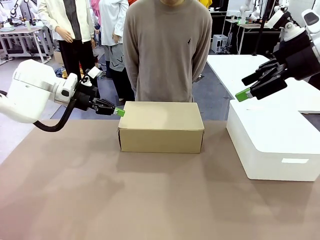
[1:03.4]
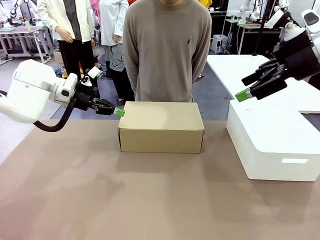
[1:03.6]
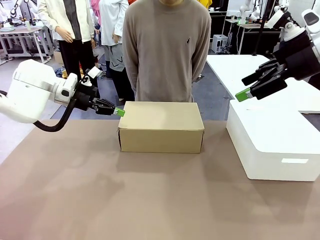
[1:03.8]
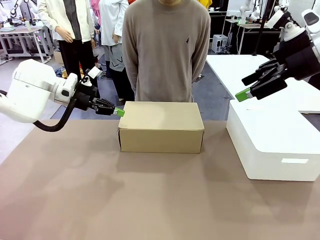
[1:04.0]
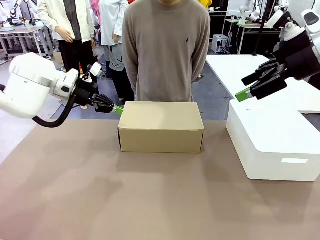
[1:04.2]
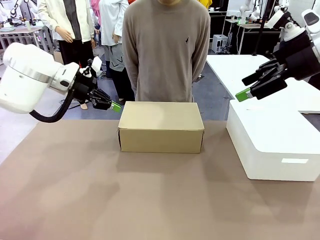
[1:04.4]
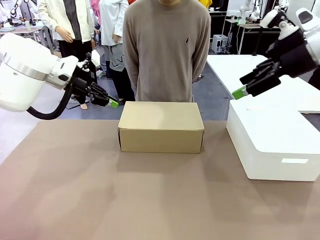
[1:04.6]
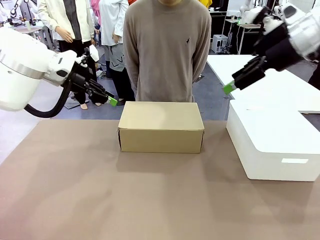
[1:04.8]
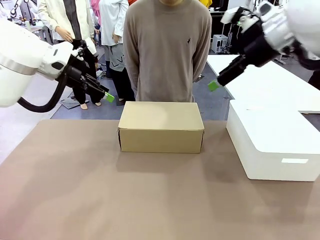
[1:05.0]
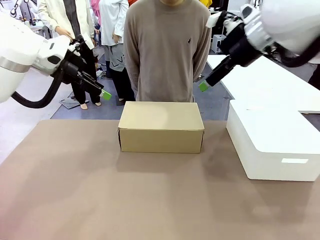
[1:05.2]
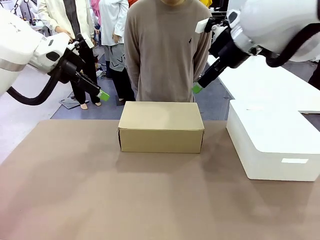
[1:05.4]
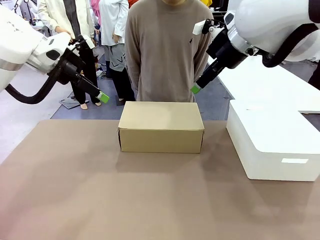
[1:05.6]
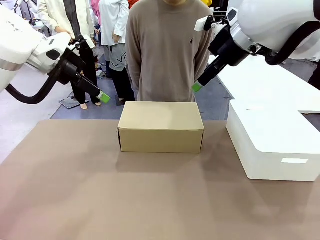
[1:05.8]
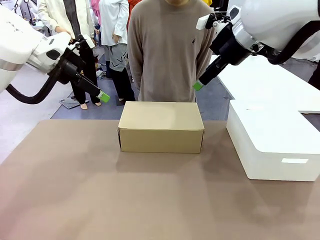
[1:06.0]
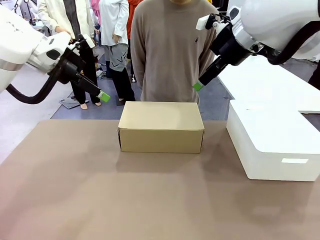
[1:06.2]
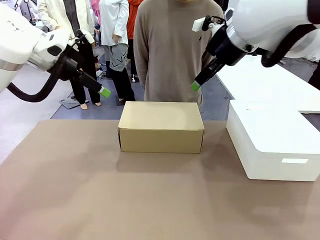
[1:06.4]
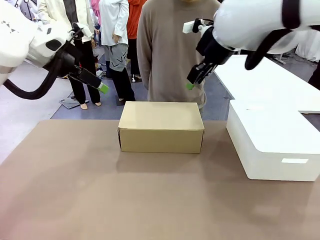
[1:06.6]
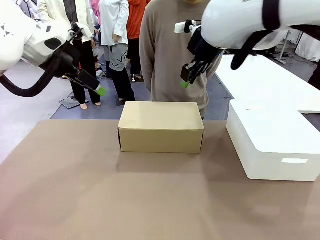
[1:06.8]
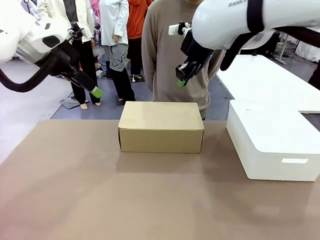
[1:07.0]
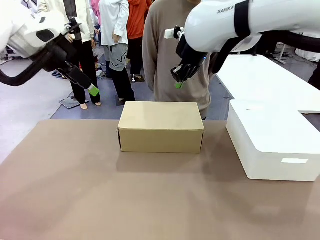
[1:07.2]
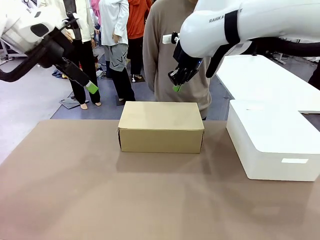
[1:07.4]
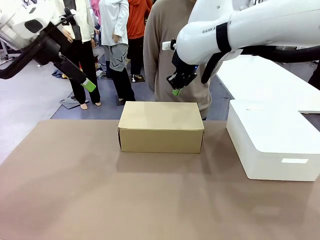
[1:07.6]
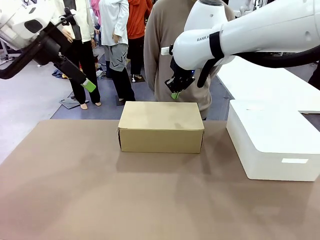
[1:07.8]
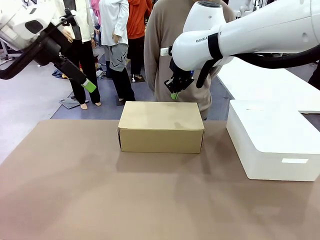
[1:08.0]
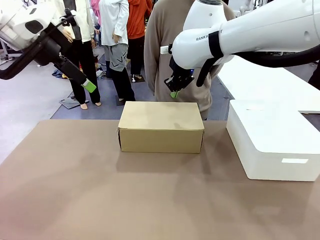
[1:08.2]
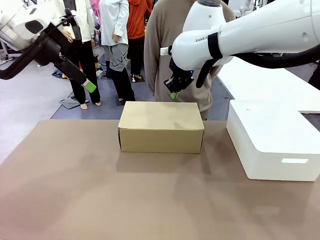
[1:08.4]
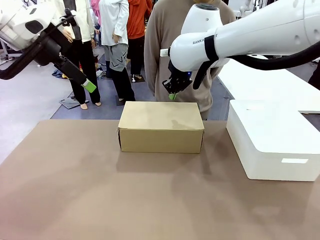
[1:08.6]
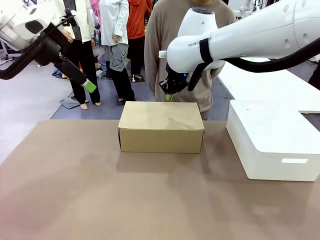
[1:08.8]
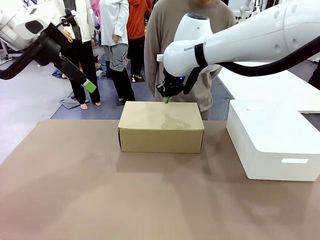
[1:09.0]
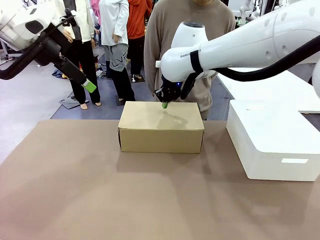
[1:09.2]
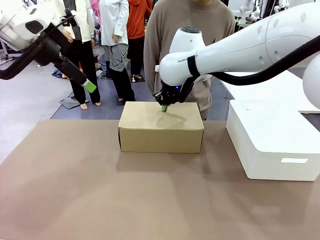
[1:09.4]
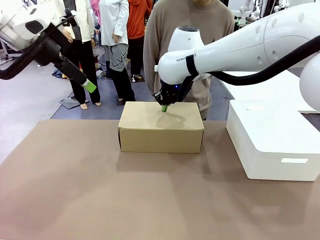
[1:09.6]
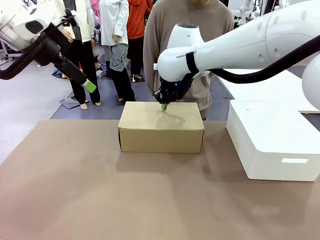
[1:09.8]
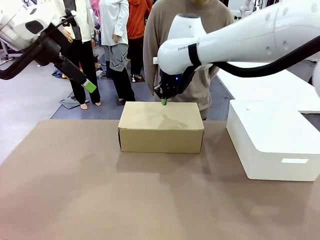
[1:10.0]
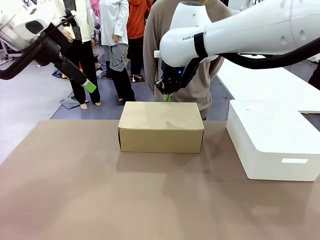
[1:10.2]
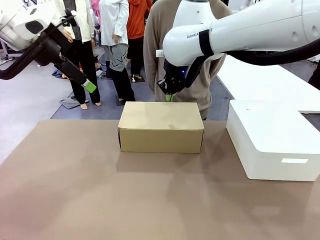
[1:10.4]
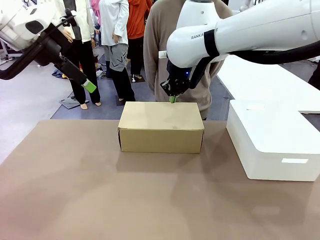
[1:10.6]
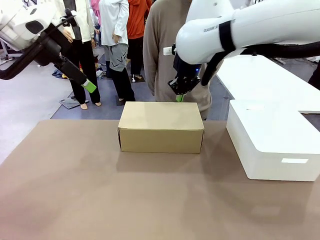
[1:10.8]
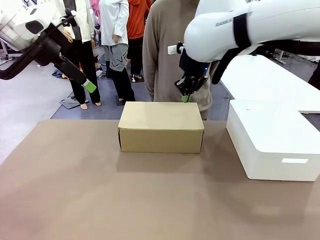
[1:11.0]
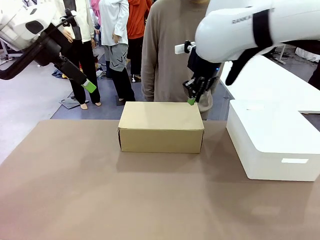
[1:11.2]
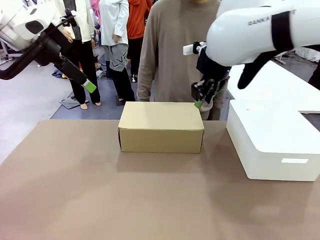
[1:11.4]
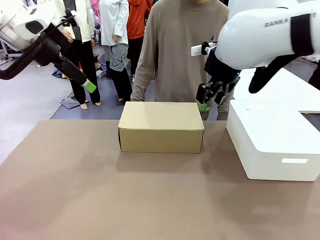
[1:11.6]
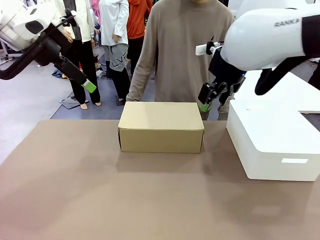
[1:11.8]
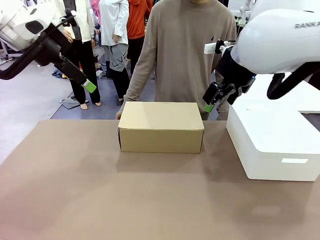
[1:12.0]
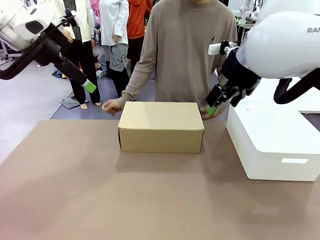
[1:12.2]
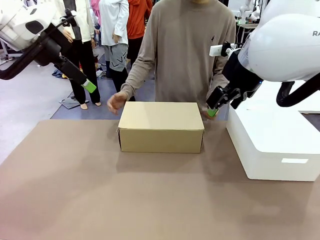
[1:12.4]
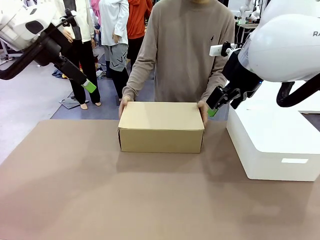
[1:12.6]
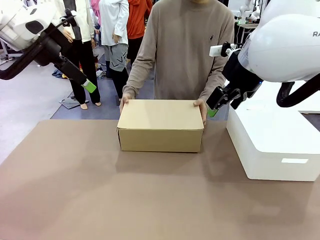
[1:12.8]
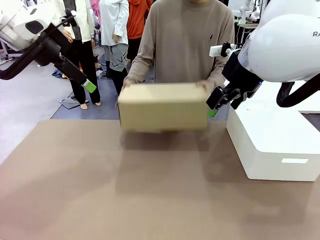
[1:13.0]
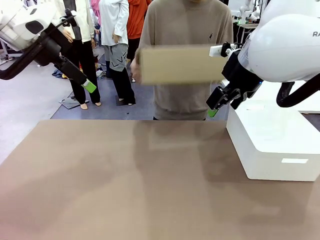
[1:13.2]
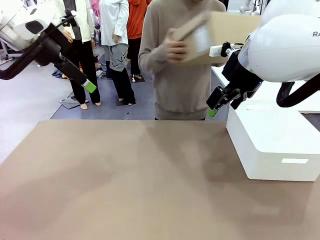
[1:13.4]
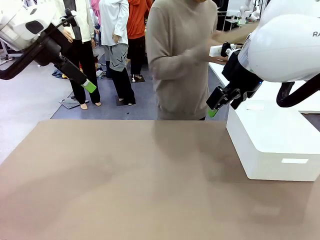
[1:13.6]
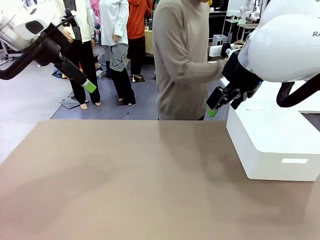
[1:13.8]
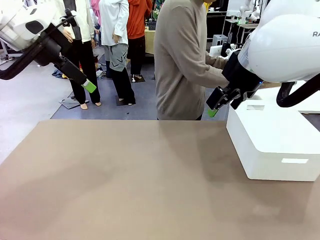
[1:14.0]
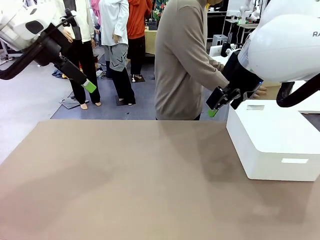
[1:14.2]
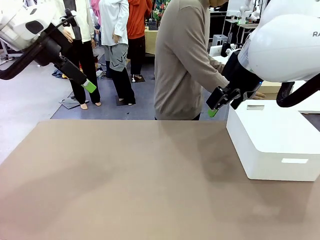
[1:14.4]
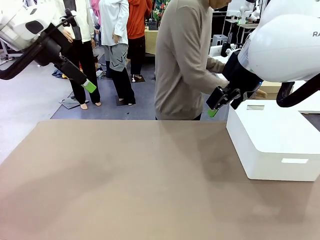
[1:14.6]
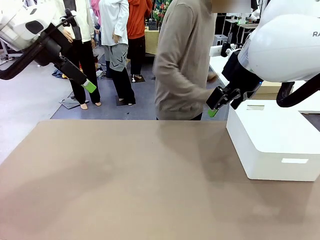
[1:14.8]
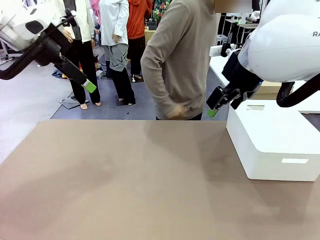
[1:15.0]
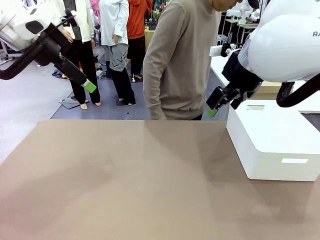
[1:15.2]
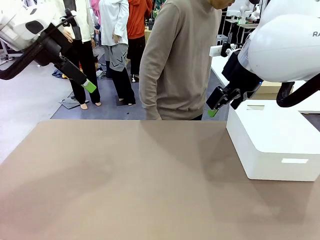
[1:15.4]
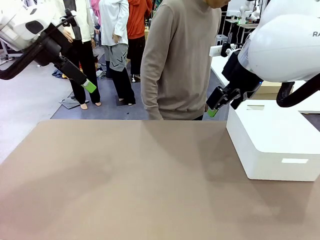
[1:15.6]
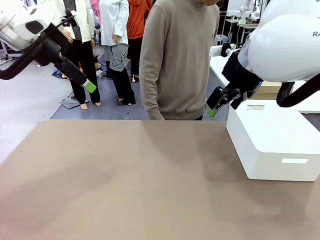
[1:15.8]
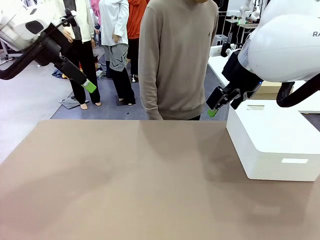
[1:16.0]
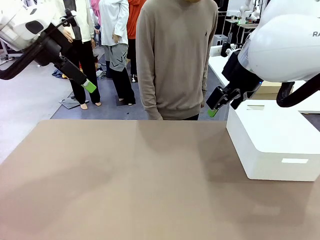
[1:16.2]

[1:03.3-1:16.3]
Task: Pack the shoes into the box.
Robot: Press down on the lid of the Shoes Box.
Person: Place the closed Shoes Box to the right side of the human table.

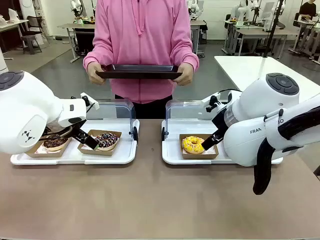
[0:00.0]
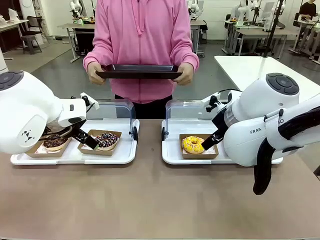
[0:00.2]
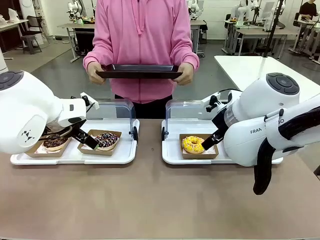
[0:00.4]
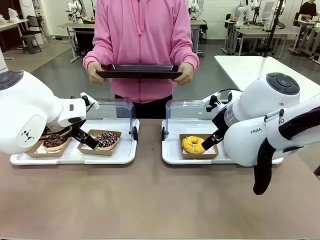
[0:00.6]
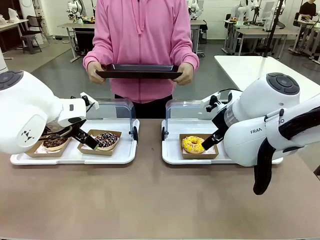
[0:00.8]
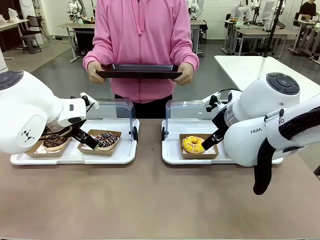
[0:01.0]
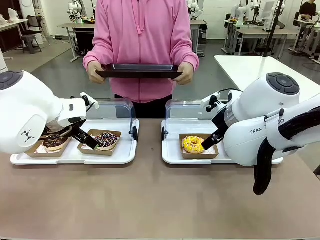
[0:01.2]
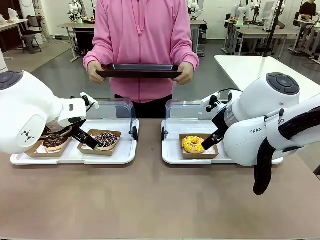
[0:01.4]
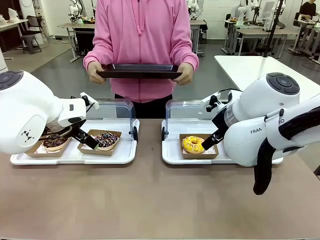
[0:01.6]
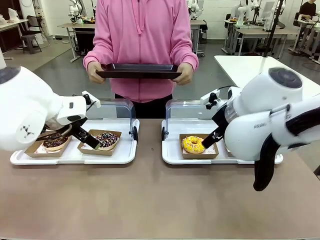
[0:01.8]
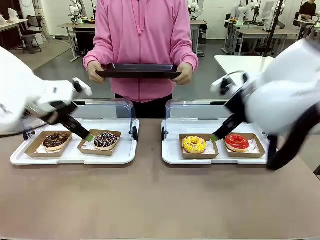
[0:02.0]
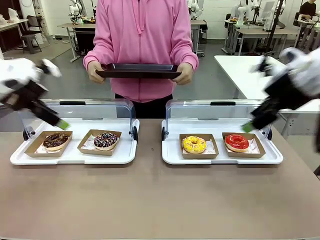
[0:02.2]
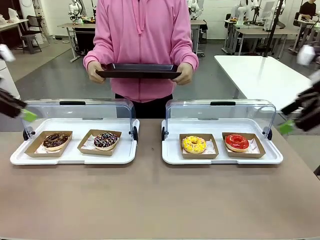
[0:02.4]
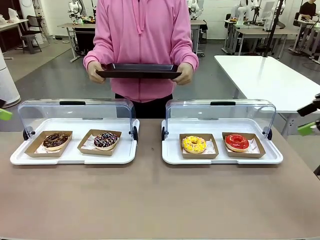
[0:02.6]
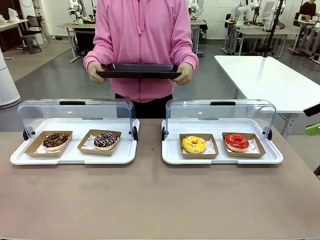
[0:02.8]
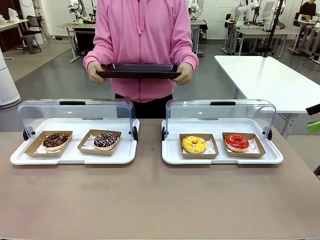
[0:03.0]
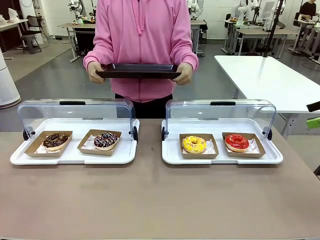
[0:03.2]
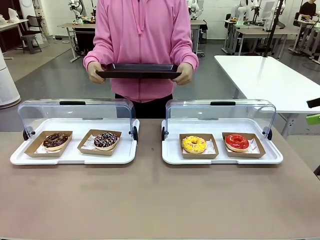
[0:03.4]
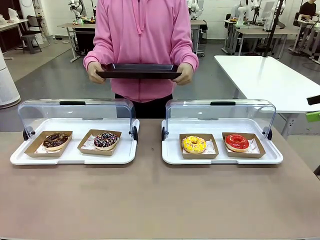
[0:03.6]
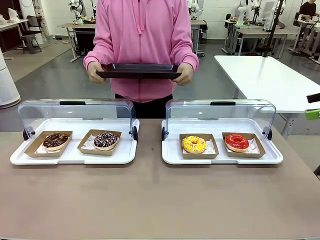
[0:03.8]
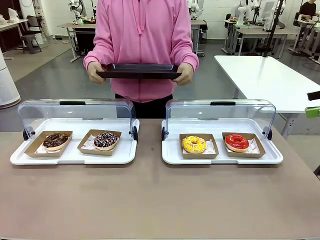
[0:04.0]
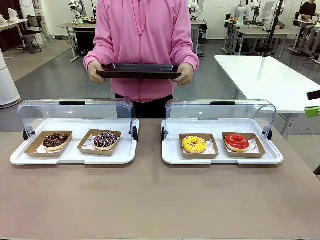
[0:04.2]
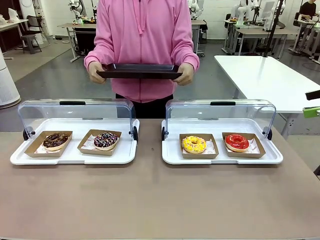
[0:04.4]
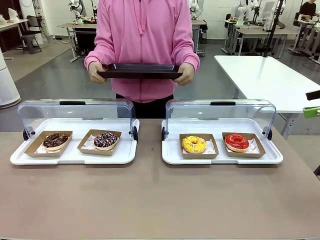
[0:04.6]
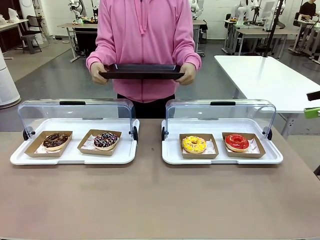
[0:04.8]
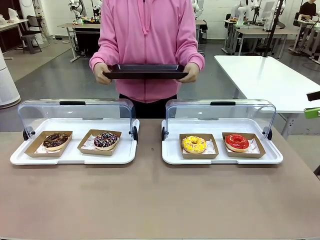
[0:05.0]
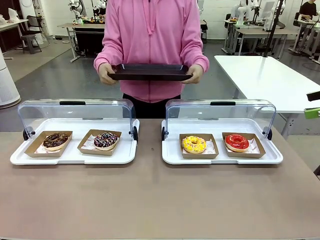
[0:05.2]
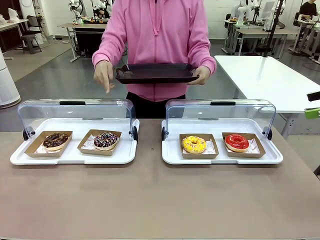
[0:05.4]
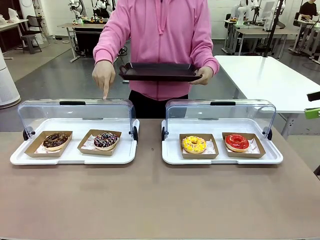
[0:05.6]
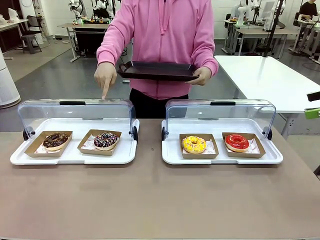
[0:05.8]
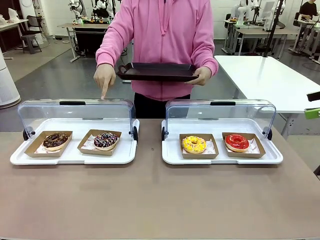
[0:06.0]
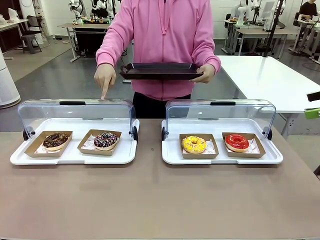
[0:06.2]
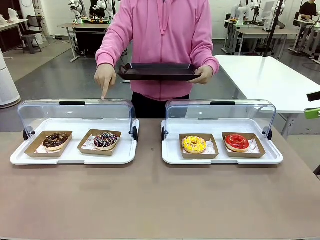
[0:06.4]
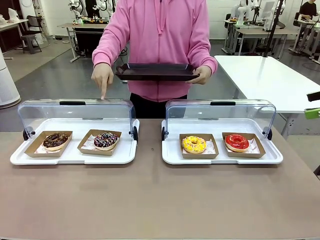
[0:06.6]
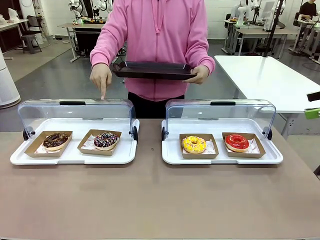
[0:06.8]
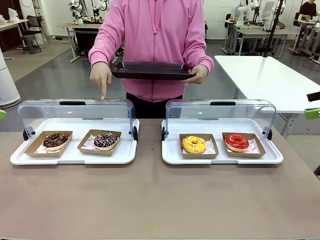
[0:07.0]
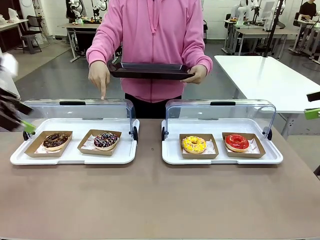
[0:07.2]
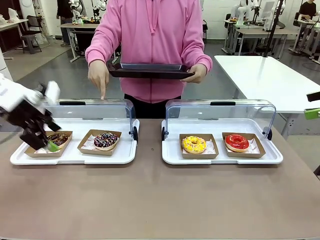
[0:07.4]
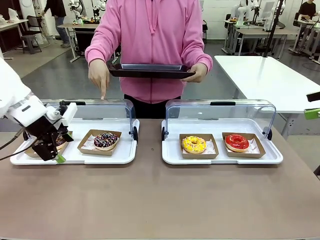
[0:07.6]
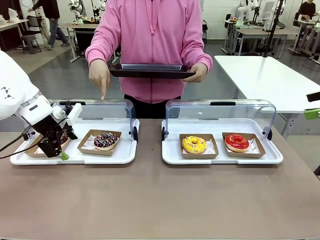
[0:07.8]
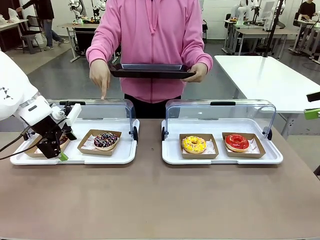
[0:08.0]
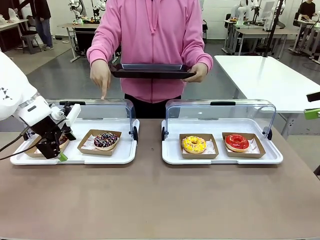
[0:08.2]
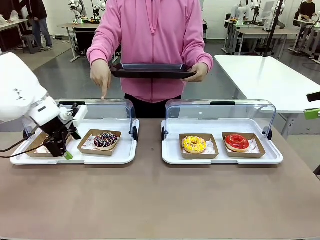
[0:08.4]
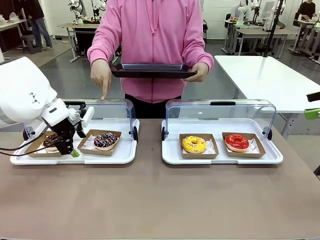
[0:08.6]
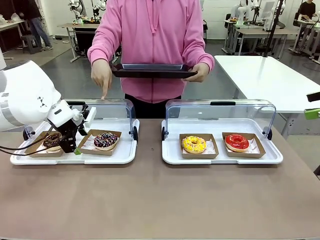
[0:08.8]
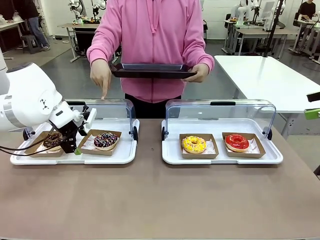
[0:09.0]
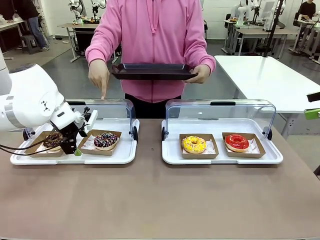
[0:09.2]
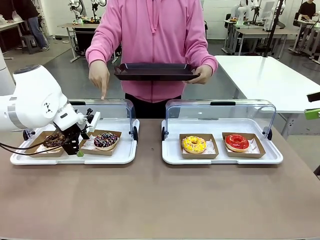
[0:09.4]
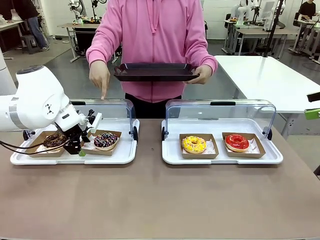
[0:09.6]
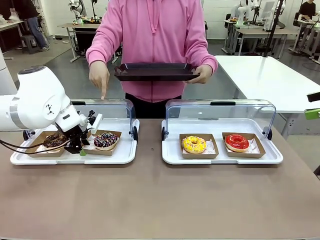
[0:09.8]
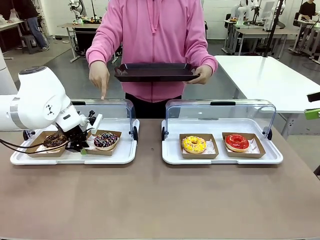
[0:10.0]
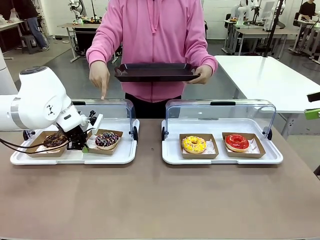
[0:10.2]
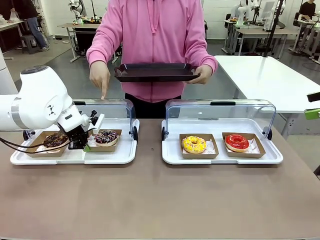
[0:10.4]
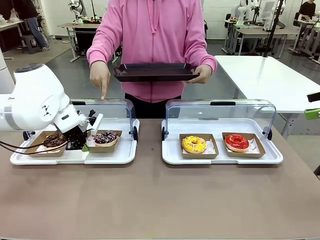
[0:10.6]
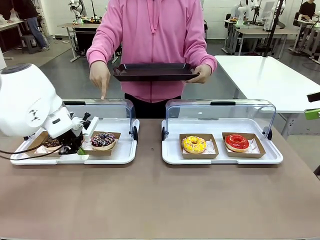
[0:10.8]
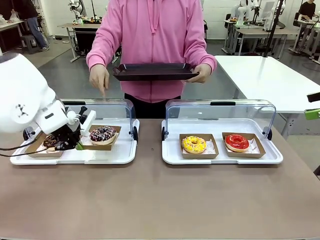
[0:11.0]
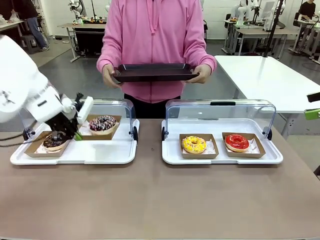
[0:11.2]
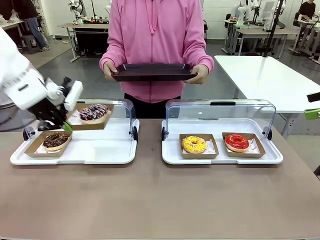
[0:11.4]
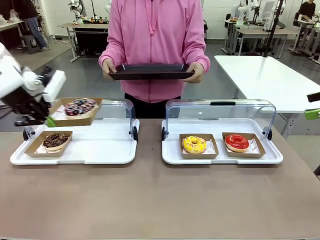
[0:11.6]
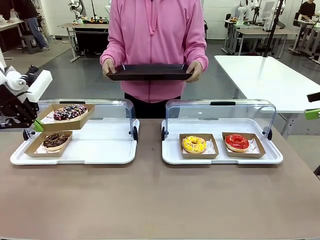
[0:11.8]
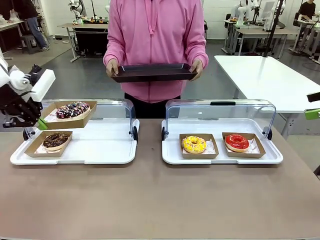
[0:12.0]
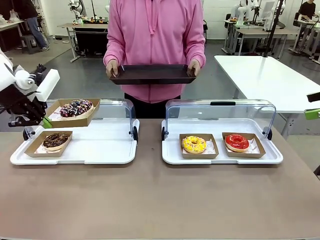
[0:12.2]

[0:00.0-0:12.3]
Task: Provide the desired donut to the person.
Robot: Pick up and lift the Paper togo box containing the Donut pointed at by the person.
Person: Point to one donut. Lift the tray onto the Roll-Top Bakery Case.
